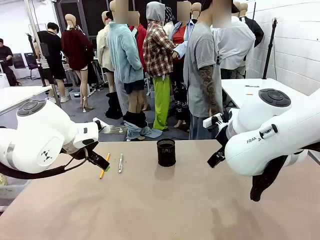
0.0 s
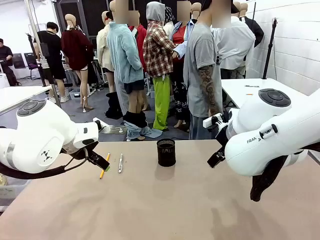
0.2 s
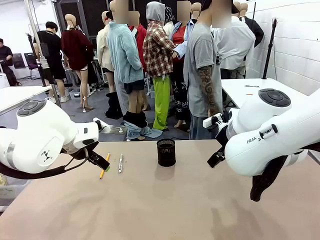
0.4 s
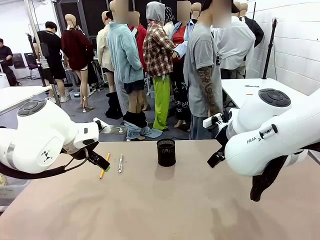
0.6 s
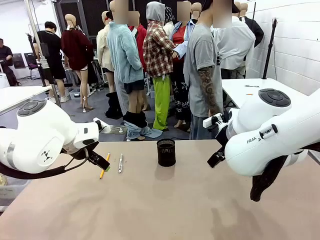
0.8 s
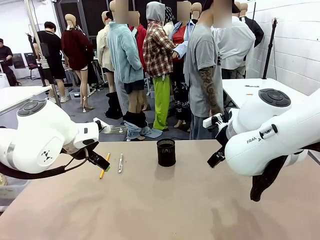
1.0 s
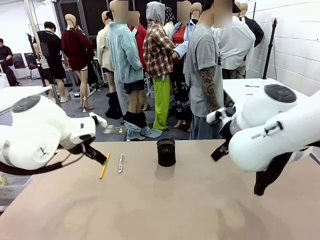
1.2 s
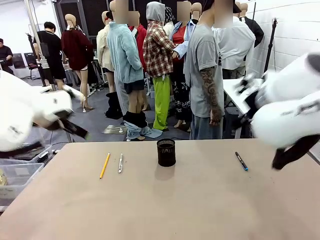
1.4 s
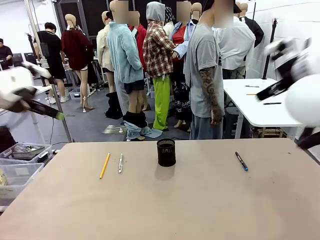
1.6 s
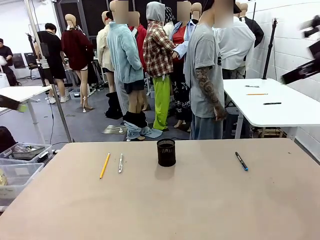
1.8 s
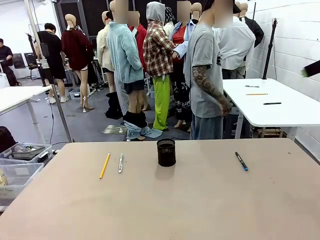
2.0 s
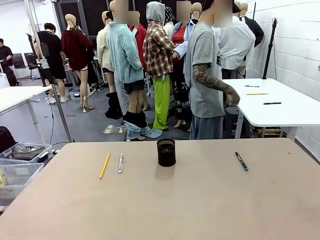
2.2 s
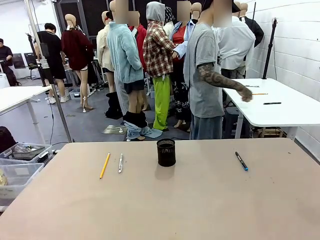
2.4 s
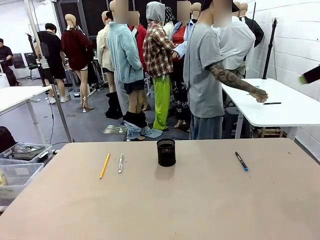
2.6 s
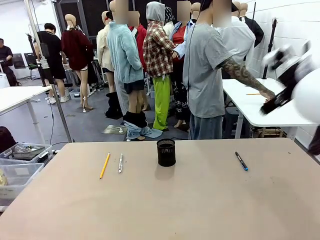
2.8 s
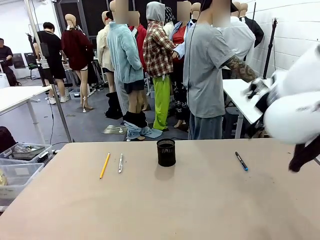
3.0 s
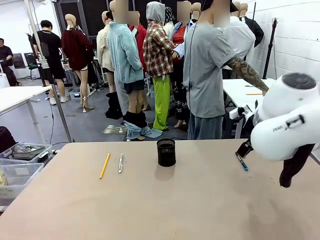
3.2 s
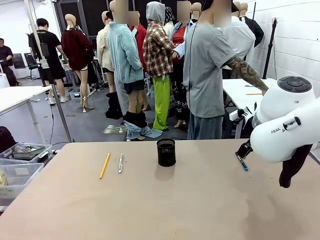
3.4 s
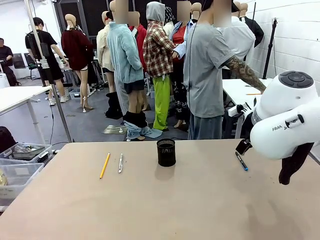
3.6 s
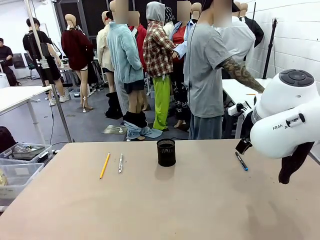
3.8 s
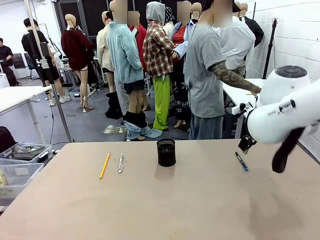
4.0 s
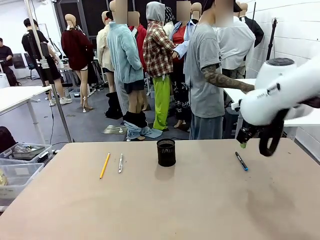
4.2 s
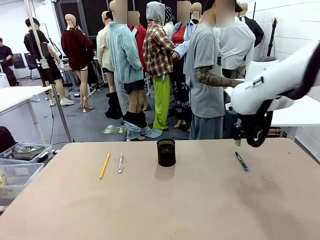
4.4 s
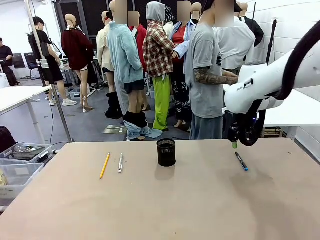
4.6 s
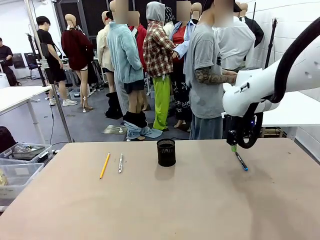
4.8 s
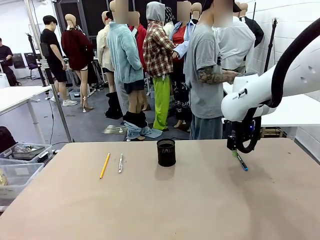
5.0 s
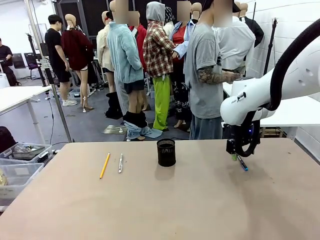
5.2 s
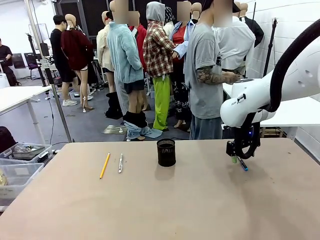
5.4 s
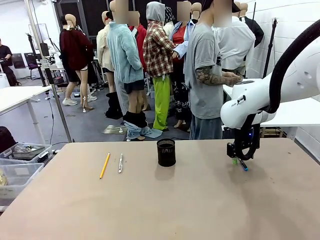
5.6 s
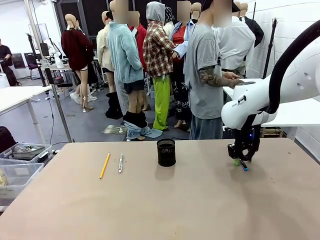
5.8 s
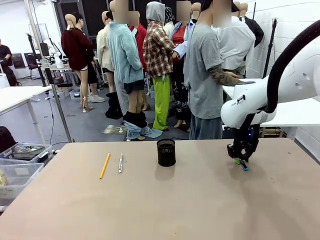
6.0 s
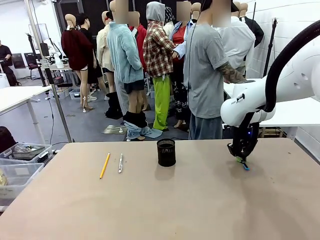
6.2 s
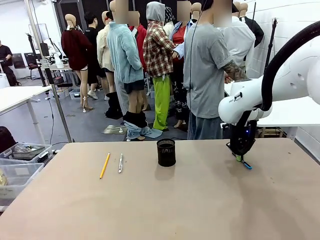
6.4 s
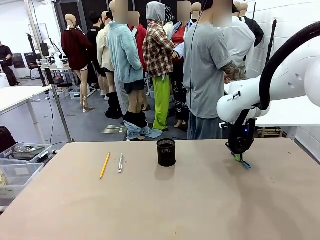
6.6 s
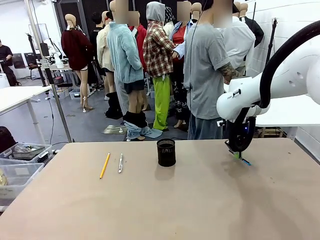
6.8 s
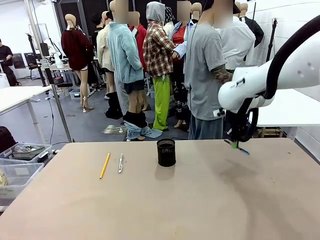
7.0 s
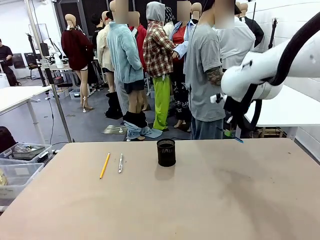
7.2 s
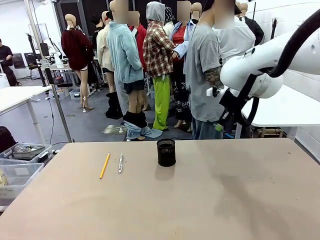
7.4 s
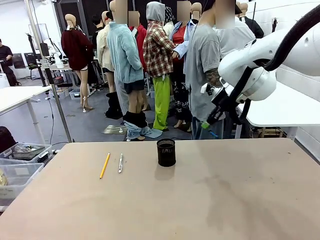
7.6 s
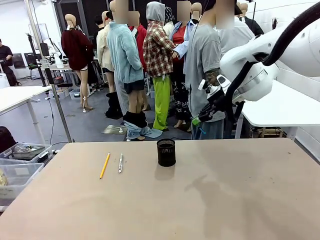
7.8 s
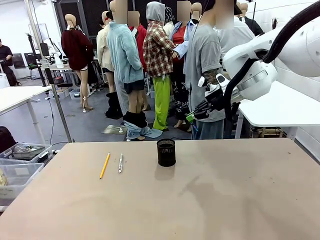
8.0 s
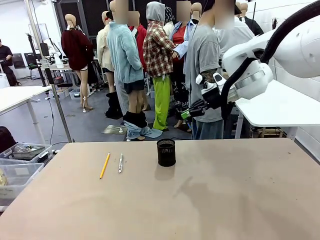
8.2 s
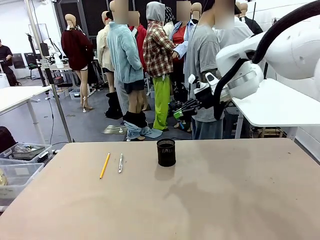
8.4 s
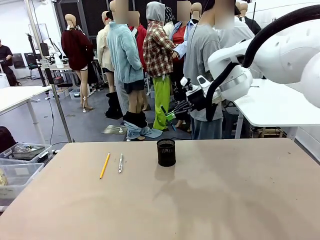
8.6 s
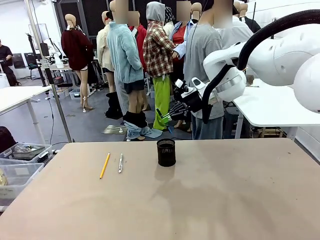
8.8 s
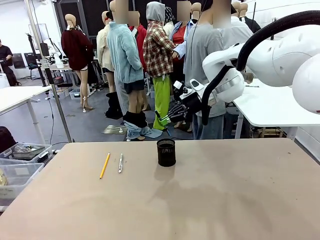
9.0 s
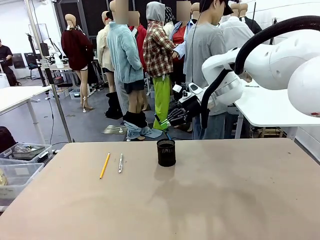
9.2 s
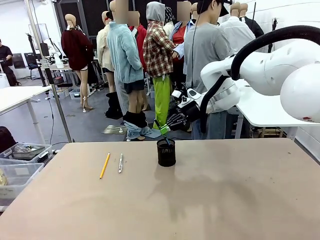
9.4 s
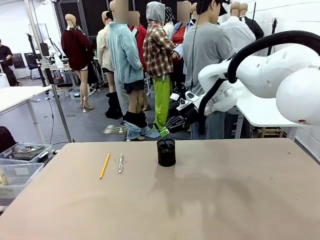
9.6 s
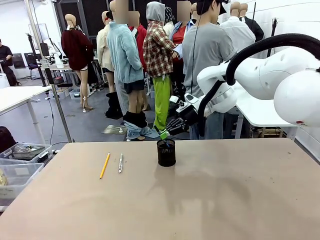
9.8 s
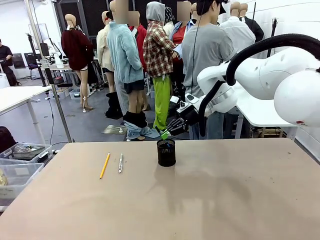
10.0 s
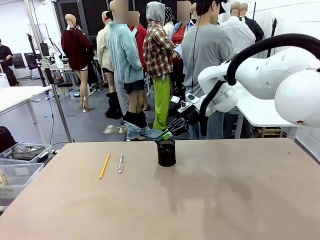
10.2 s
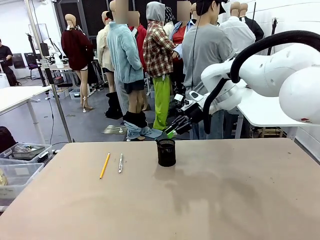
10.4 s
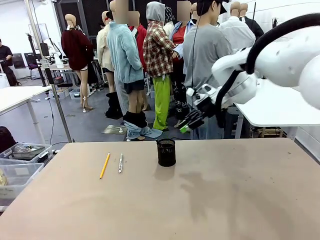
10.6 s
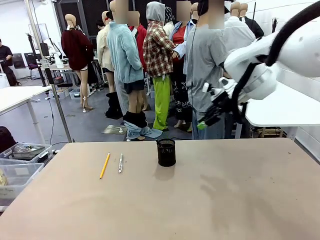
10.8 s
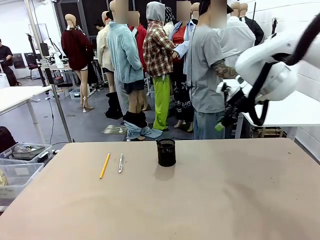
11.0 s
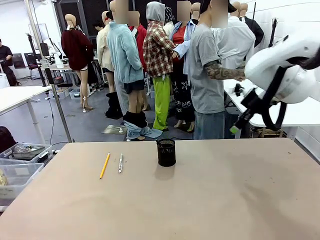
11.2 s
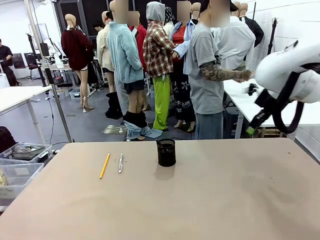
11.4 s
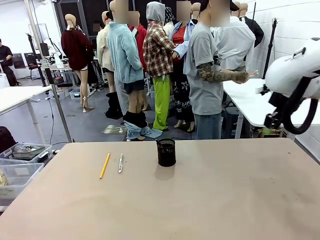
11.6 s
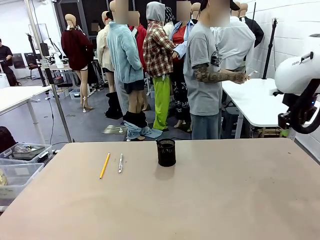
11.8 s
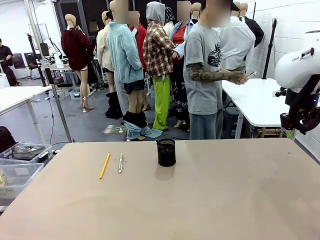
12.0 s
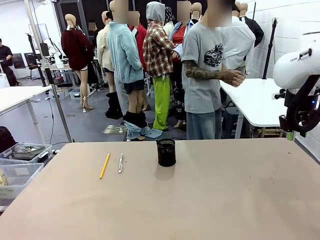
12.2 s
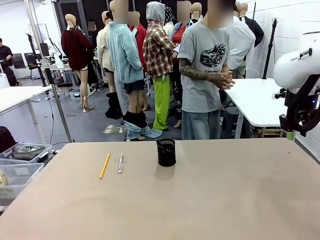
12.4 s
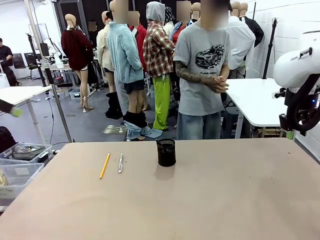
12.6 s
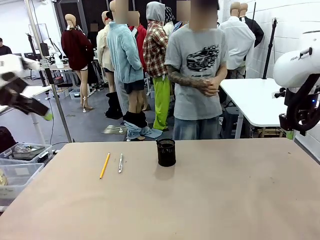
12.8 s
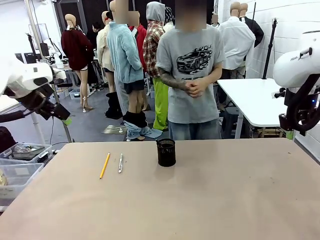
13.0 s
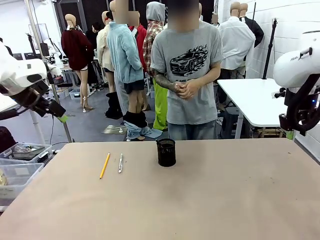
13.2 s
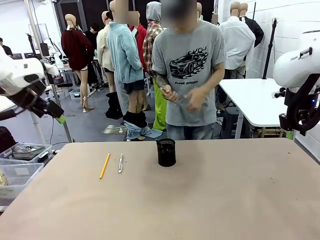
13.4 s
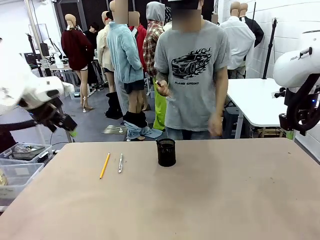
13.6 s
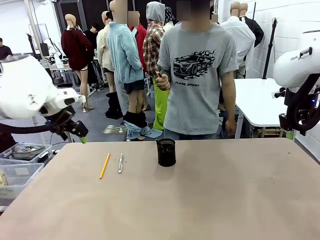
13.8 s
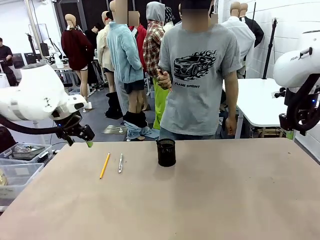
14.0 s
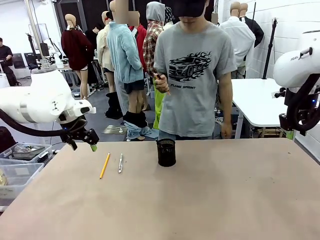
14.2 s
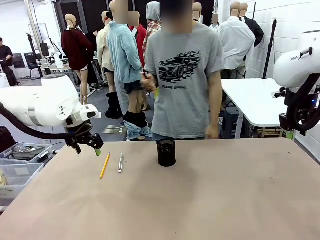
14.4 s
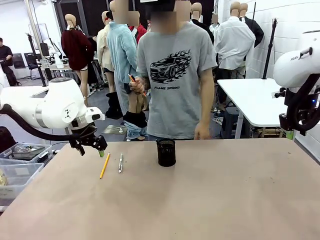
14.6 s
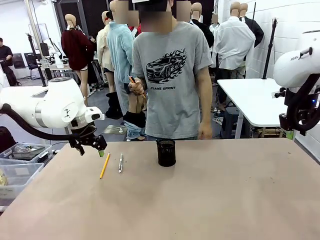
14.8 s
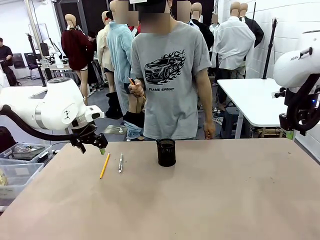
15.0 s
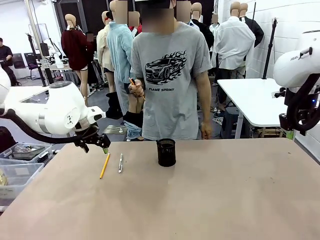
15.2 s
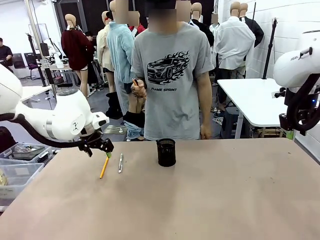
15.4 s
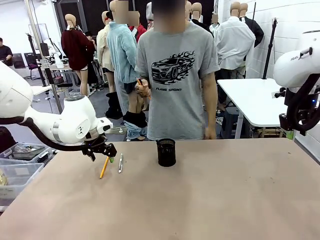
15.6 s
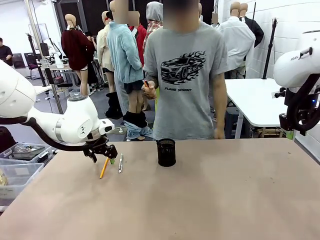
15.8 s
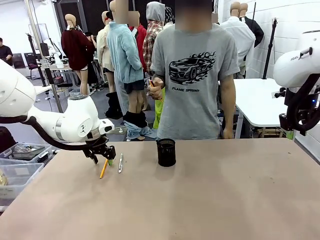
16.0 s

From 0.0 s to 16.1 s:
Task: Place the pens into the pen holder.
Robot: Pick up a writing instrument from the table and place it into the Pen holder.
Person: Pick up all writing instruments from the Human table.
